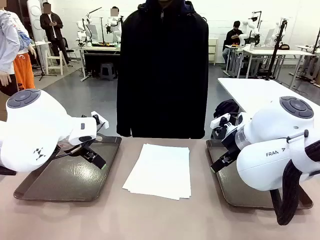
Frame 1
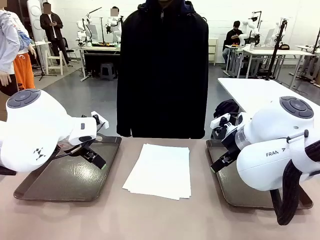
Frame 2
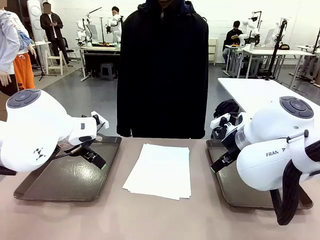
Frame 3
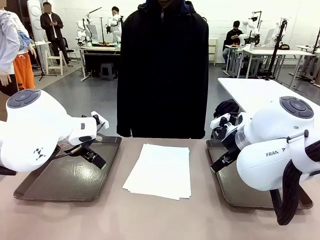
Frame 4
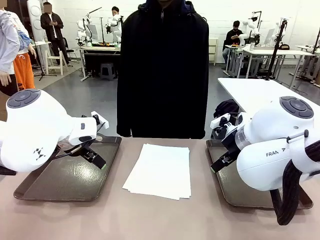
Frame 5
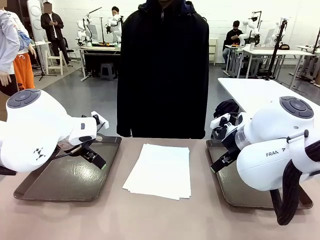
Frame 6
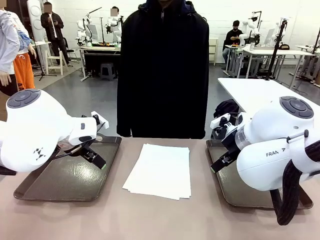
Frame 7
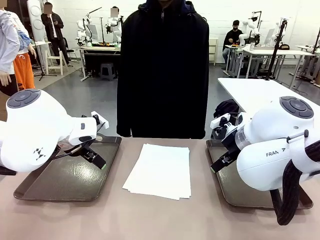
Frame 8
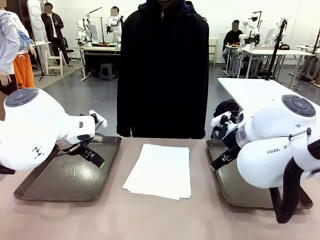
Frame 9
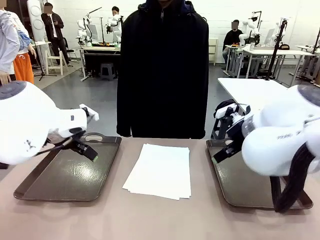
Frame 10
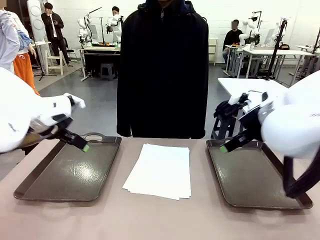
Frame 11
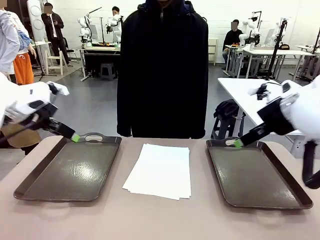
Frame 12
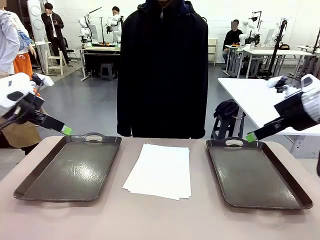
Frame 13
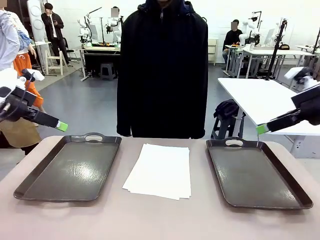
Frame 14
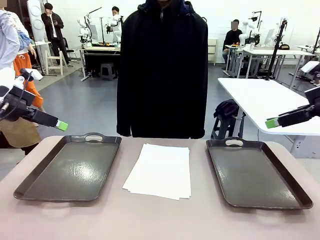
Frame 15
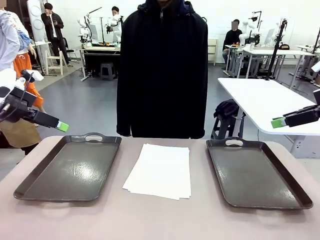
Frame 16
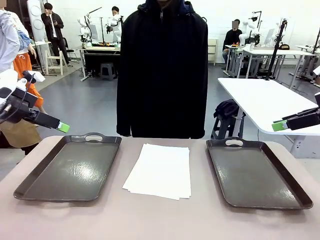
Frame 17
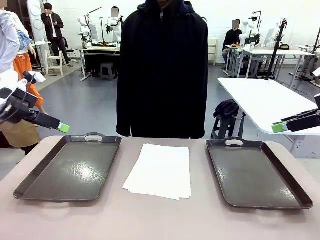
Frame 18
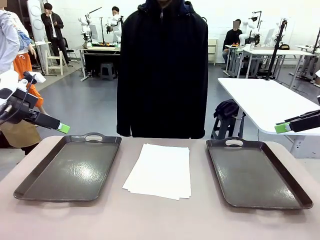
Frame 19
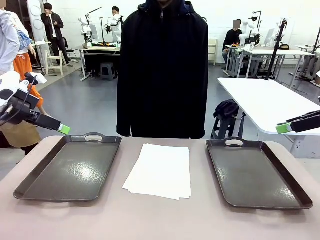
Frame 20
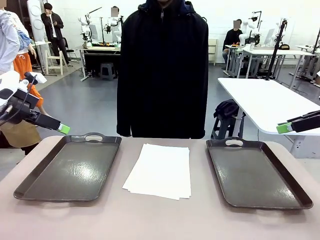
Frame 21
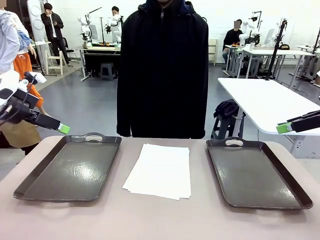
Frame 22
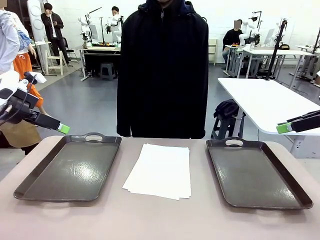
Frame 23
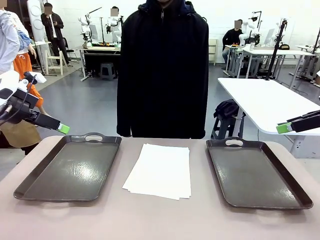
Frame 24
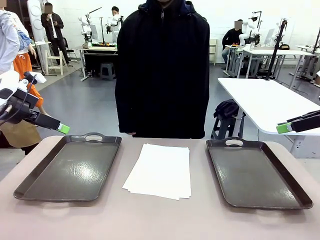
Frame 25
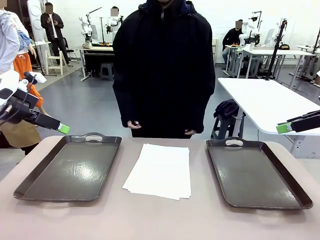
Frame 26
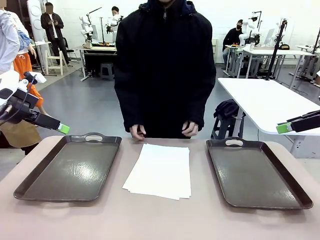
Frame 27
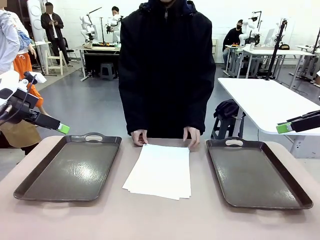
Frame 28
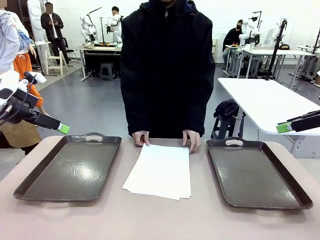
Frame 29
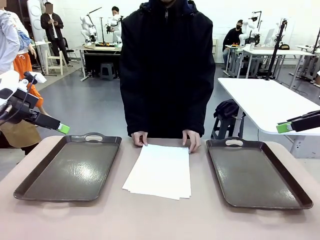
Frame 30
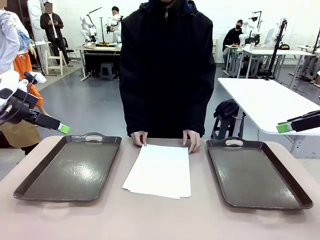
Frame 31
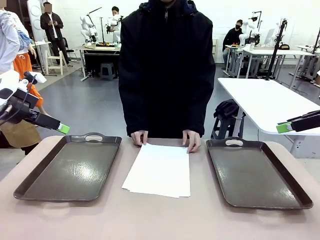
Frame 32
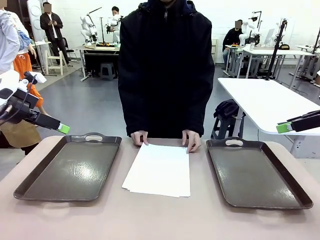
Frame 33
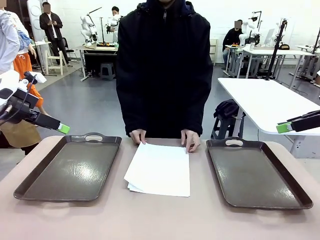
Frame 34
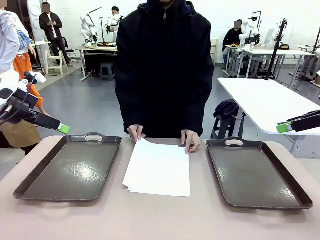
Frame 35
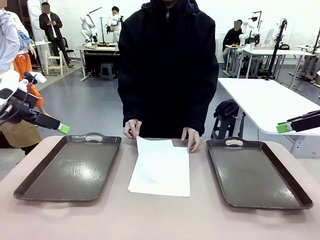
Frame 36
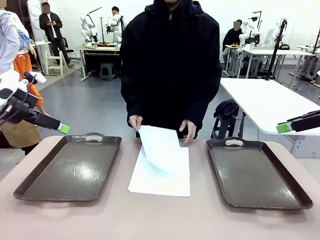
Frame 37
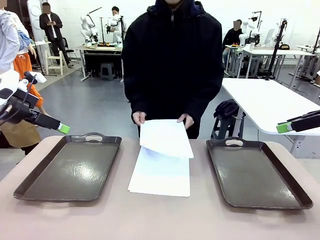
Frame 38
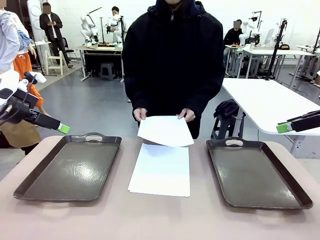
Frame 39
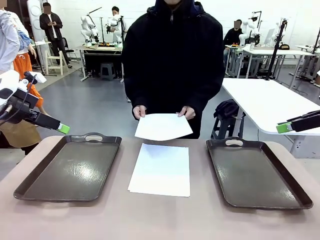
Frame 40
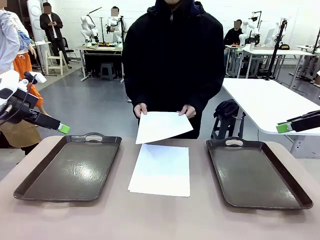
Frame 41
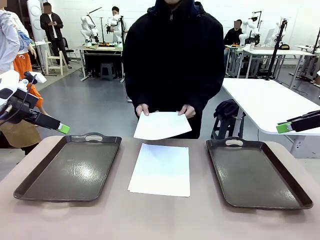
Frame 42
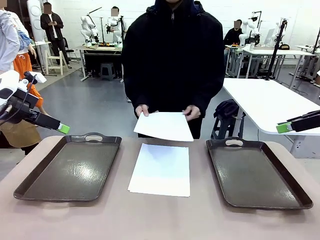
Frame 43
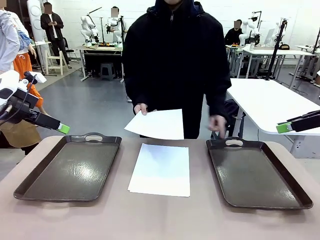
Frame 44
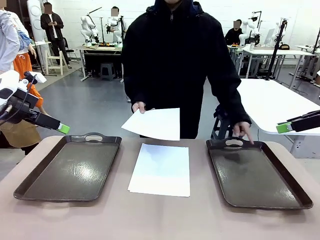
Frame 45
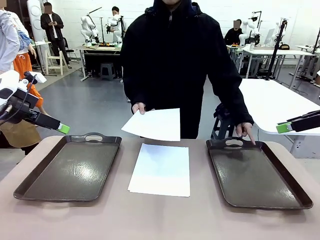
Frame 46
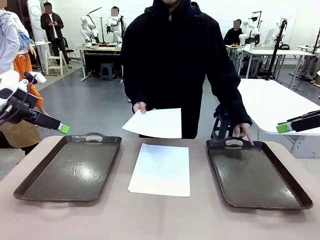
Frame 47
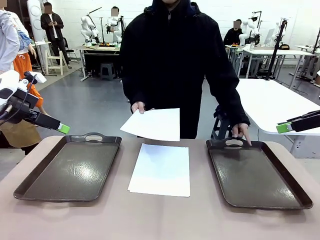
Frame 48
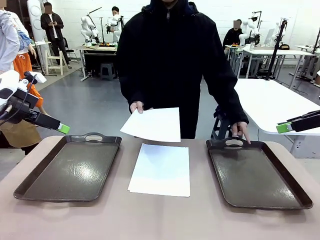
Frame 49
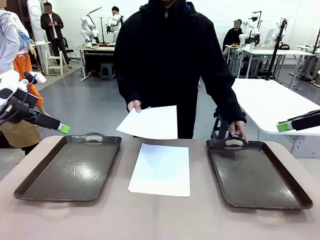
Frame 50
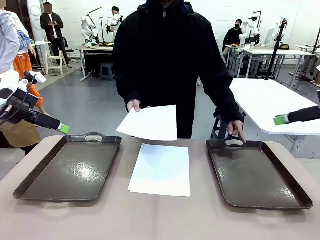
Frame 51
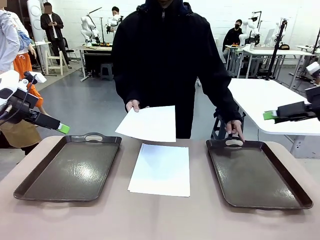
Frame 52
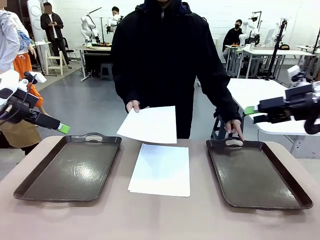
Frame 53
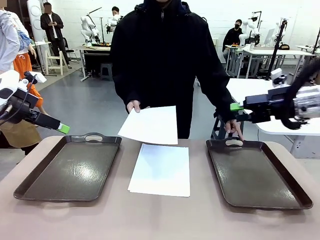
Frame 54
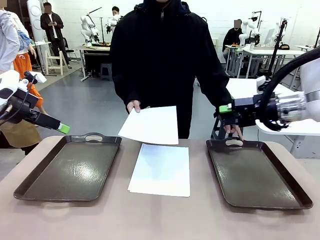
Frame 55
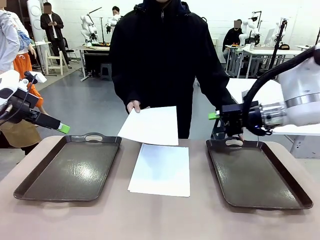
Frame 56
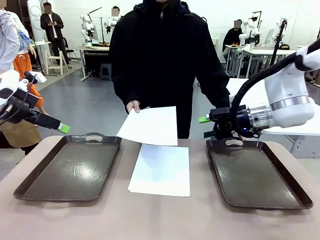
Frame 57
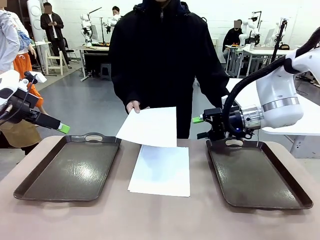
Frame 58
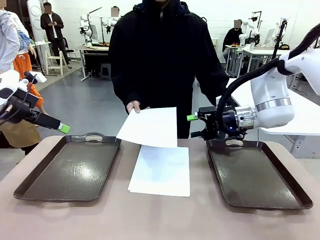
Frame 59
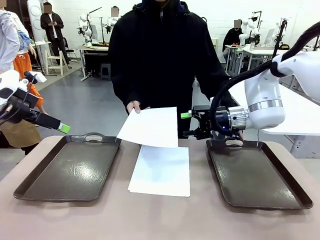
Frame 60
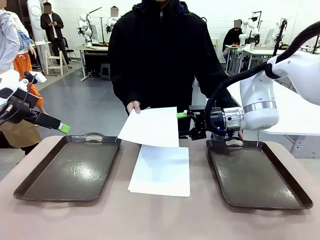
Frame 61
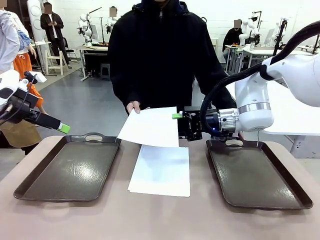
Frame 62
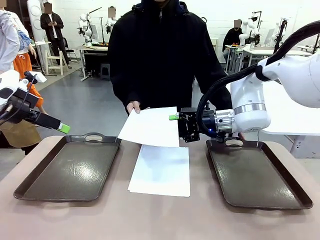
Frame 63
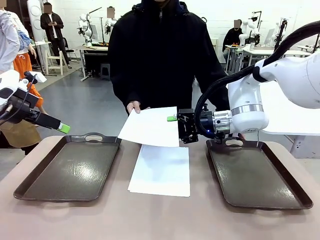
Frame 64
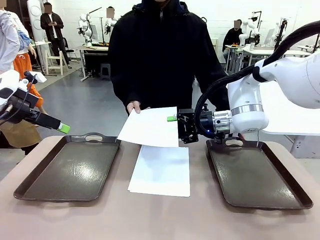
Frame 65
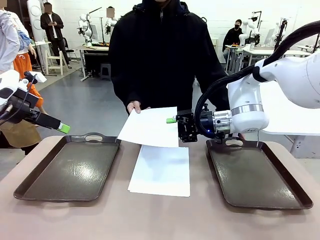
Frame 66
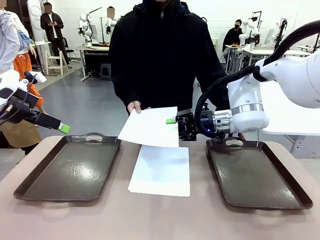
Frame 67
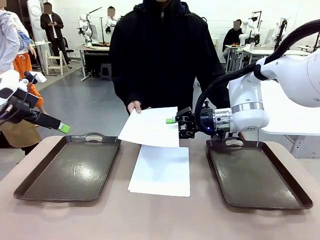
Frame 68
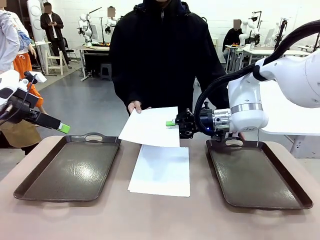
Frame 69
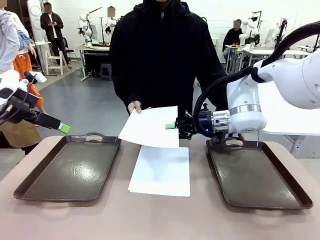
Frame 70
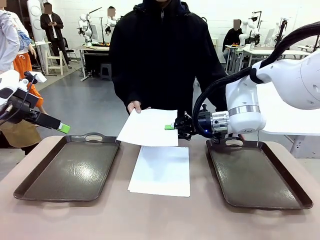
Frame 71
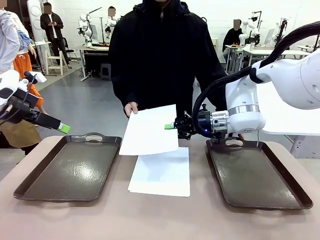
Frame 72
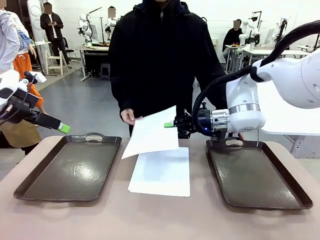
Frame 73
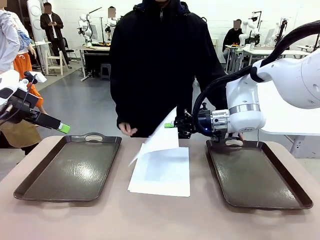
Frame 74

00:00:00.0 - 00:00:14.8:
Task: Sort the A4 documents.
Robot: Receive the A4 Paper.
Person: Pick up a sheet of paper from the center of the table and hand it to the robot. Point the randomly selected tray with the other hand.

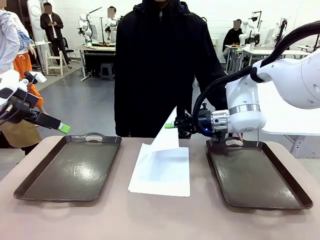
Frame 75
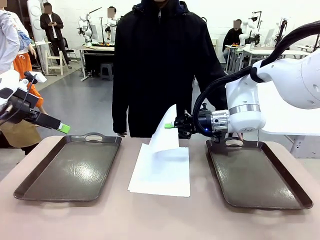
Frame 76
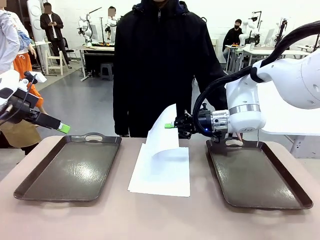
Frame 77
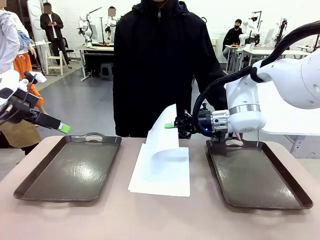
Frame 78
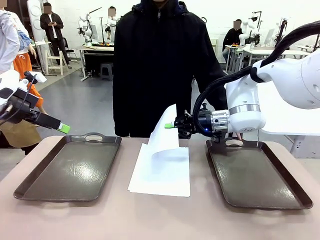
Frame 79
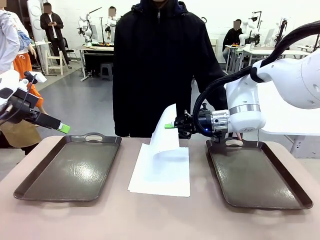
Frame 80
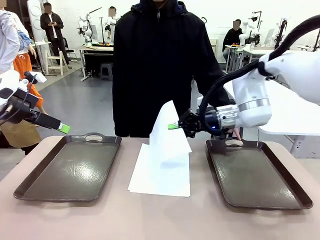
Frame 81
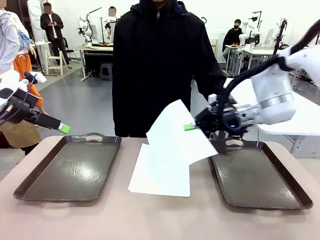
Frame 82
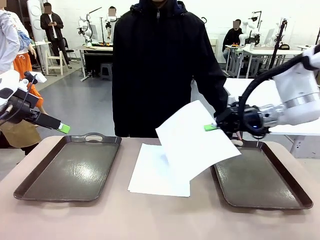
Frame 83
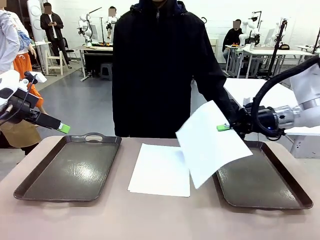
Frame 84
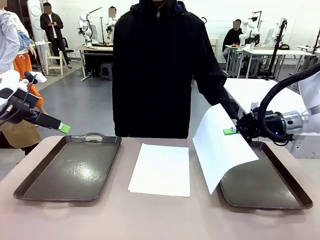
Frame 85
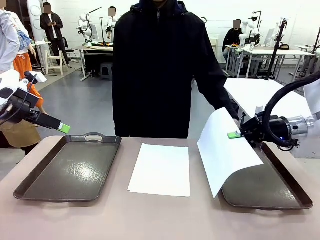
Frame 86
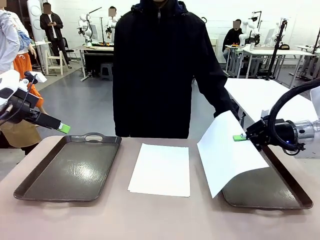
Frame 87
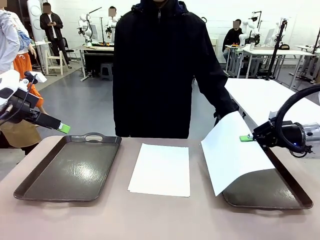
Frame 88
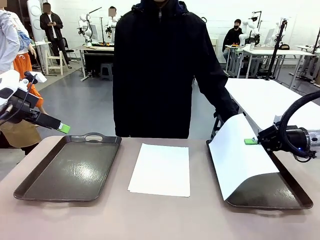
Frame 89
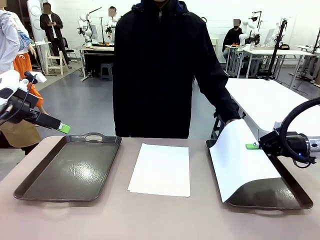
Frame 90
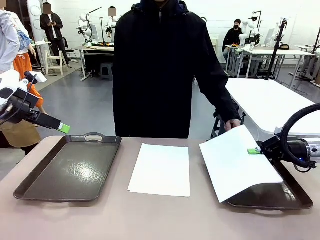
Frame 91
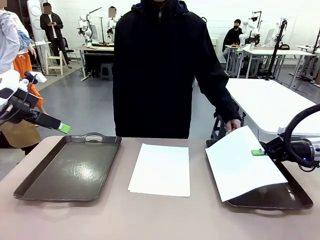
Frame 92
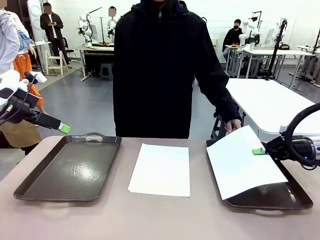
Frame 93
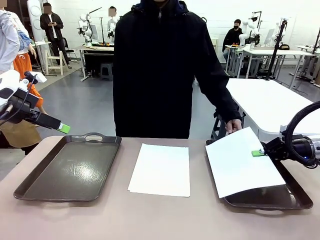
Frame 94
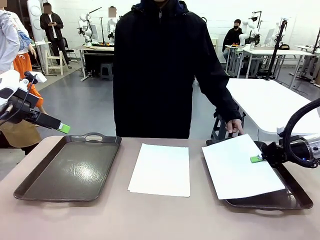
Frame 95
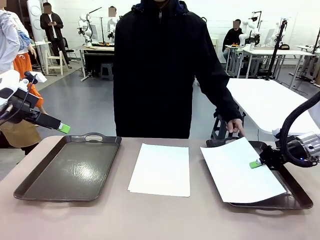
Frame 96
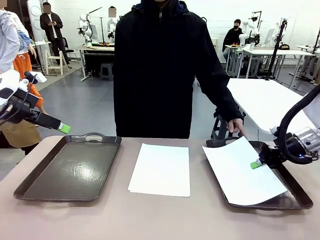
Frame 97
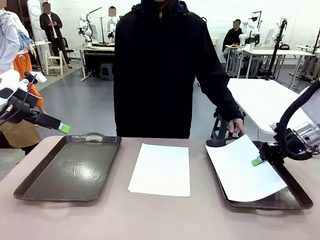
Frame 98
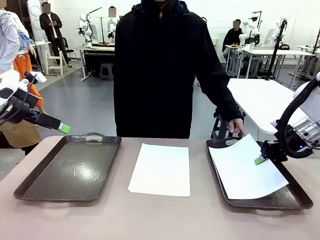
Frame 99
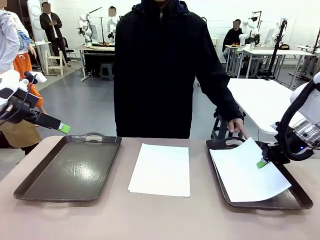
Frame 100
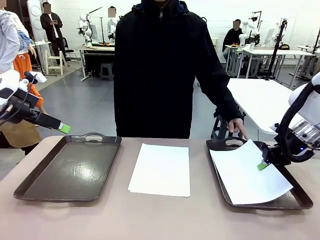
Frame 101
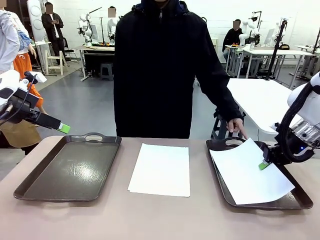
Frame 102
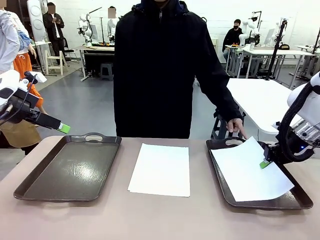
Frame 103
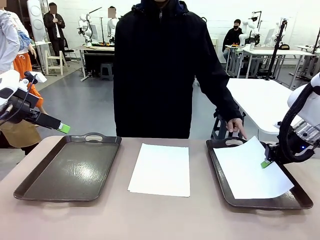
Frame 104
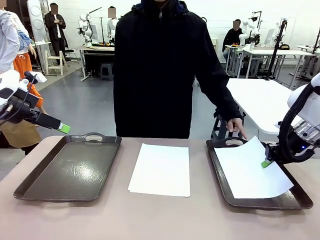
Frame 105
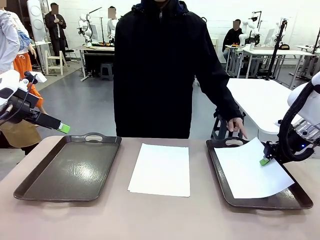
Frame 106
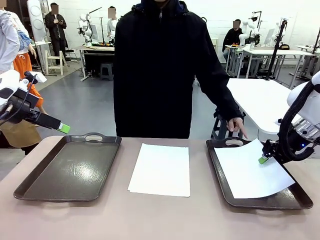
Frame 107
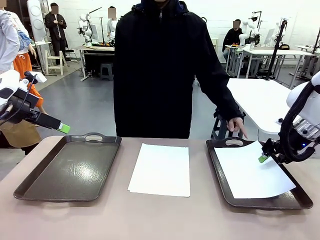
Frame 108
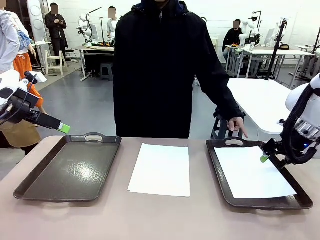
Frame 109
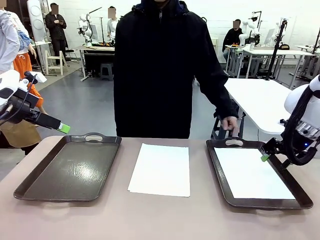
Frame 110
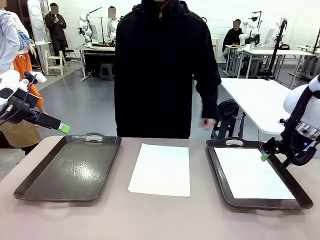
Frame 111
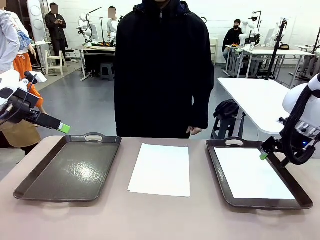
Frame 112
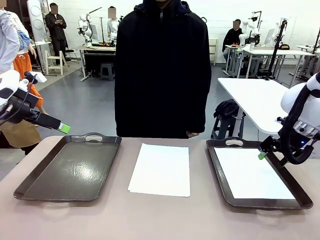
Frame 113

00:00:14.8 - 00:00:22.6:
Robot: Place the A4 Paper in the designated Handle tray.
